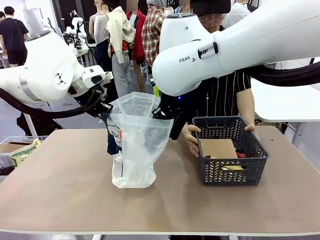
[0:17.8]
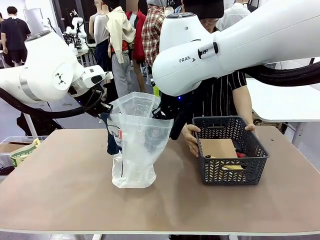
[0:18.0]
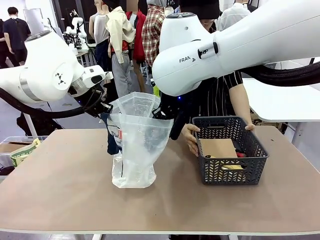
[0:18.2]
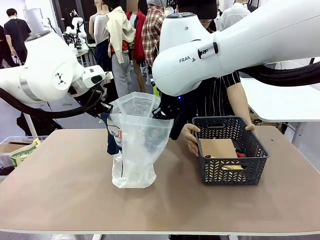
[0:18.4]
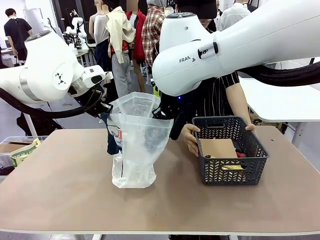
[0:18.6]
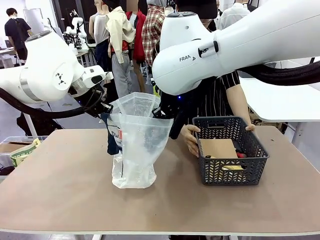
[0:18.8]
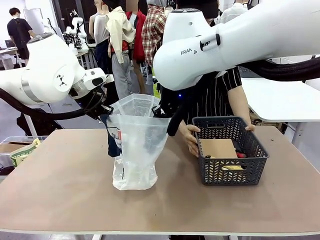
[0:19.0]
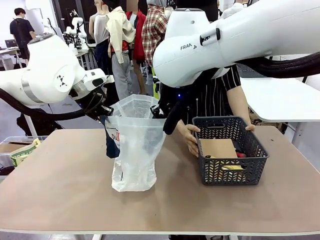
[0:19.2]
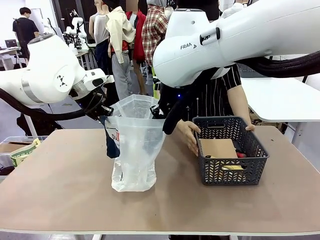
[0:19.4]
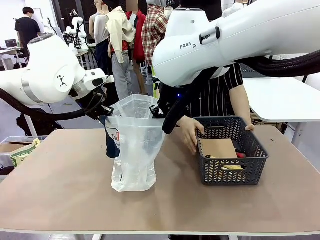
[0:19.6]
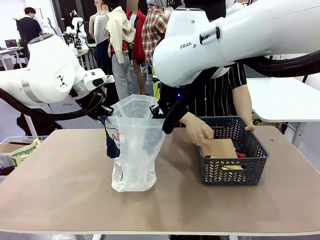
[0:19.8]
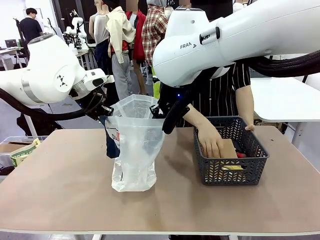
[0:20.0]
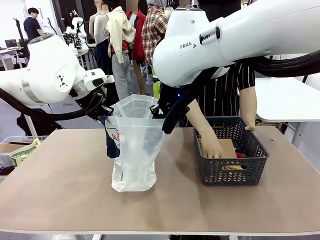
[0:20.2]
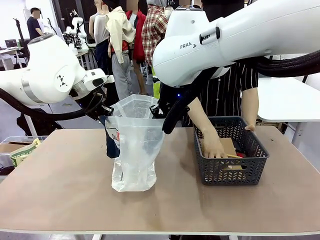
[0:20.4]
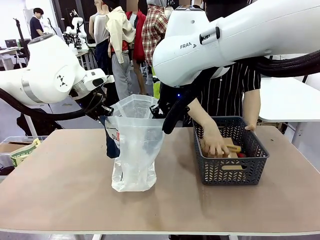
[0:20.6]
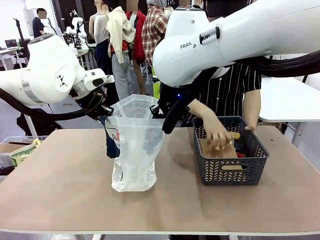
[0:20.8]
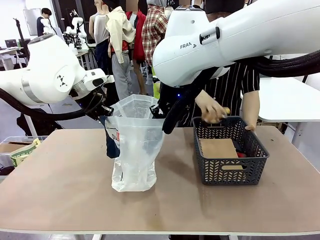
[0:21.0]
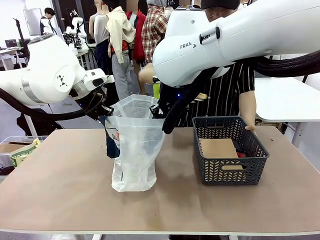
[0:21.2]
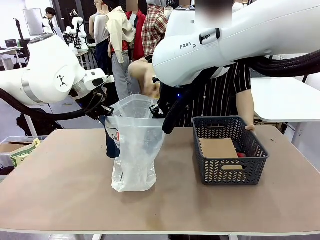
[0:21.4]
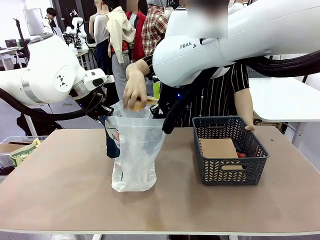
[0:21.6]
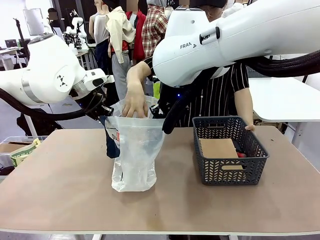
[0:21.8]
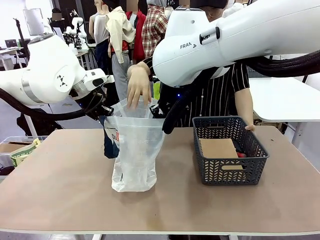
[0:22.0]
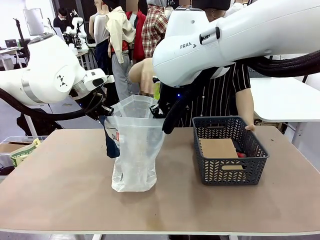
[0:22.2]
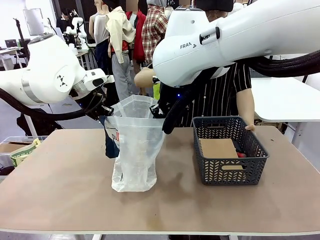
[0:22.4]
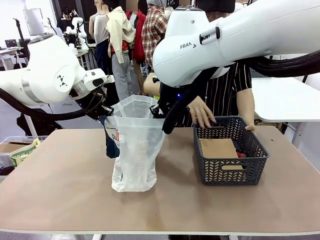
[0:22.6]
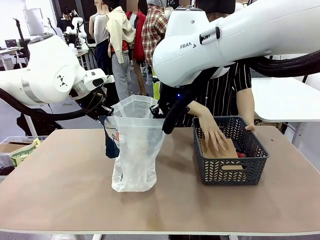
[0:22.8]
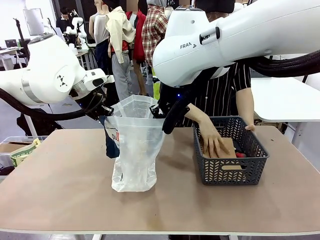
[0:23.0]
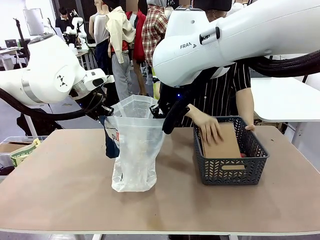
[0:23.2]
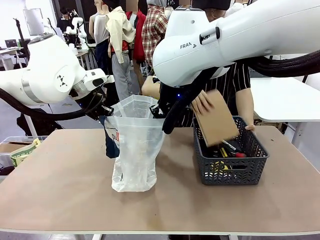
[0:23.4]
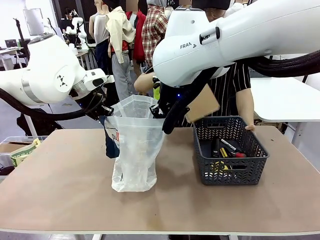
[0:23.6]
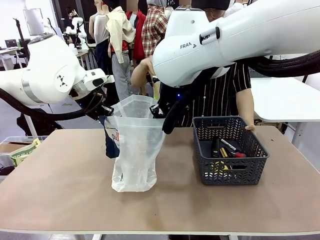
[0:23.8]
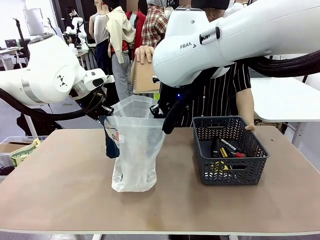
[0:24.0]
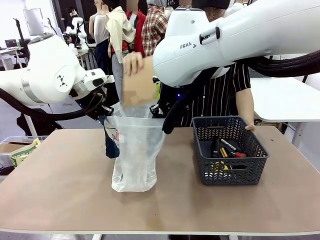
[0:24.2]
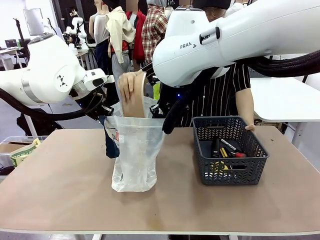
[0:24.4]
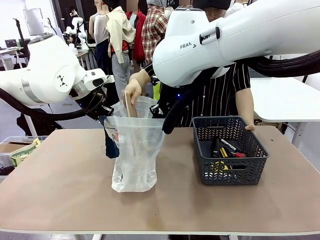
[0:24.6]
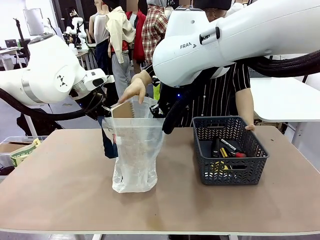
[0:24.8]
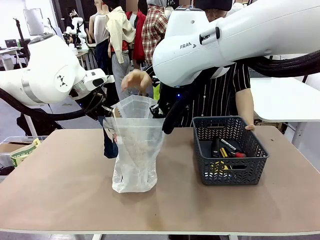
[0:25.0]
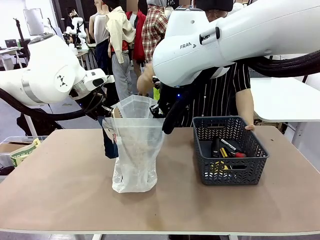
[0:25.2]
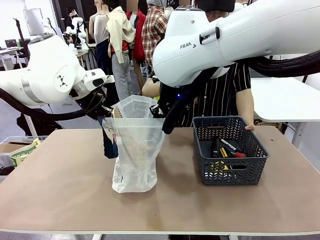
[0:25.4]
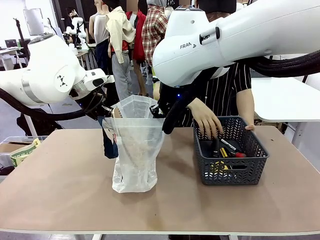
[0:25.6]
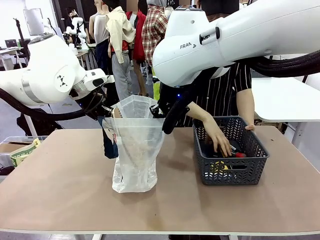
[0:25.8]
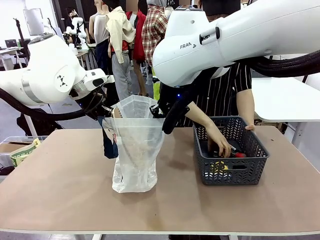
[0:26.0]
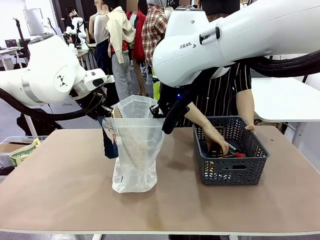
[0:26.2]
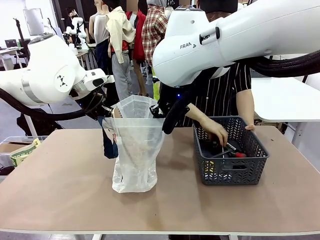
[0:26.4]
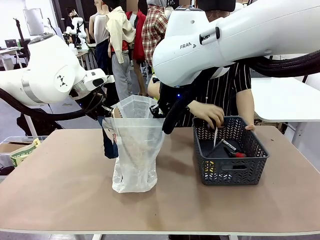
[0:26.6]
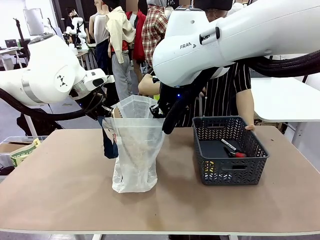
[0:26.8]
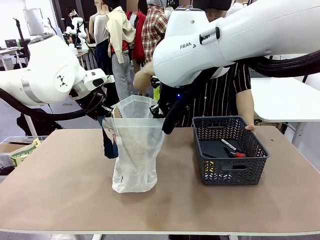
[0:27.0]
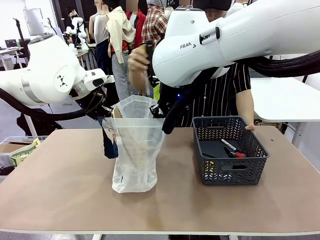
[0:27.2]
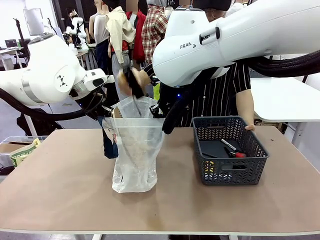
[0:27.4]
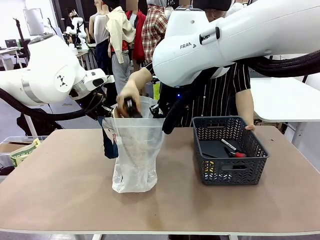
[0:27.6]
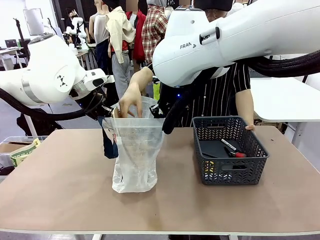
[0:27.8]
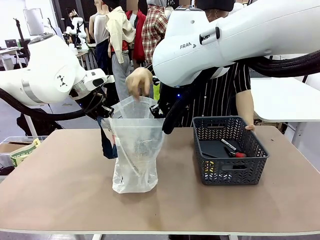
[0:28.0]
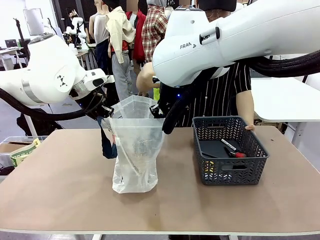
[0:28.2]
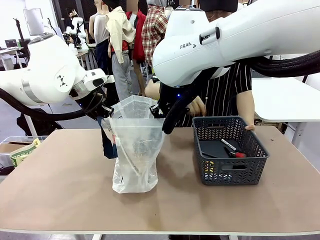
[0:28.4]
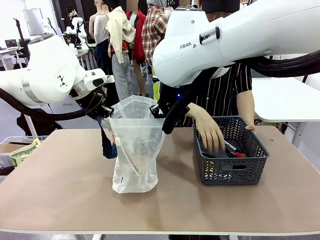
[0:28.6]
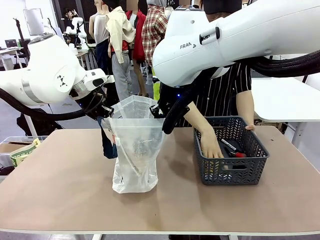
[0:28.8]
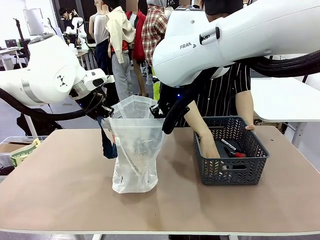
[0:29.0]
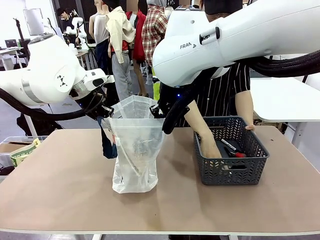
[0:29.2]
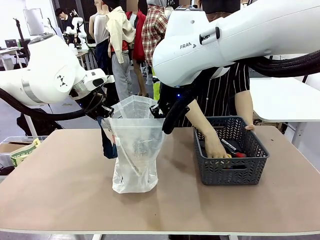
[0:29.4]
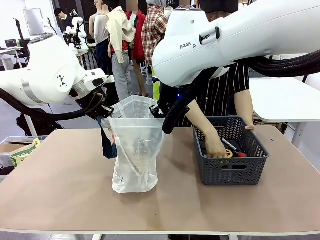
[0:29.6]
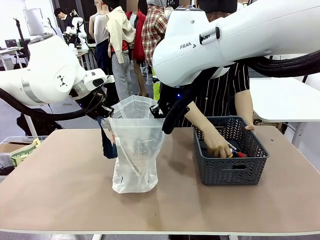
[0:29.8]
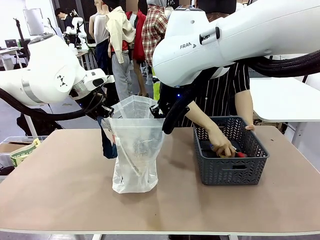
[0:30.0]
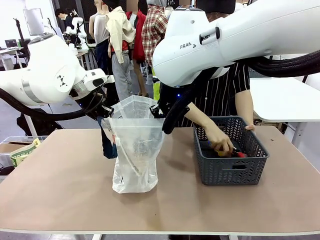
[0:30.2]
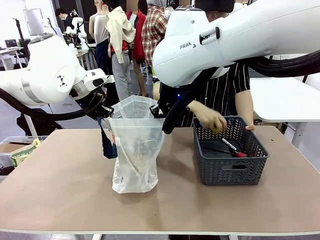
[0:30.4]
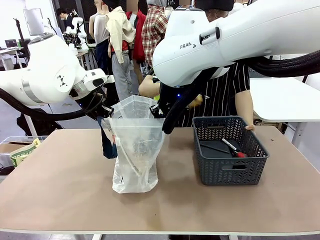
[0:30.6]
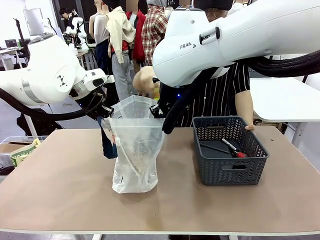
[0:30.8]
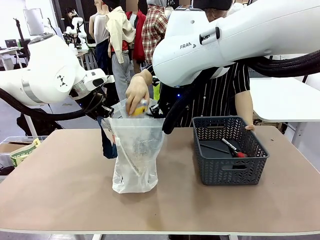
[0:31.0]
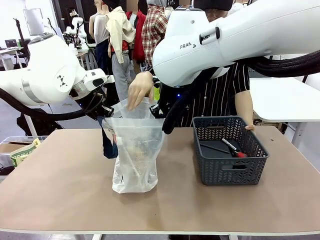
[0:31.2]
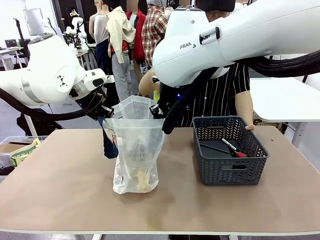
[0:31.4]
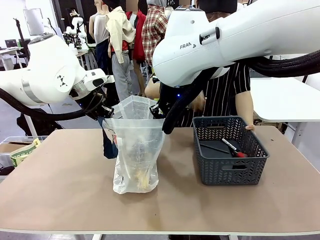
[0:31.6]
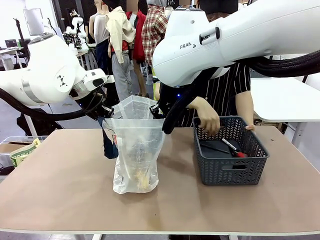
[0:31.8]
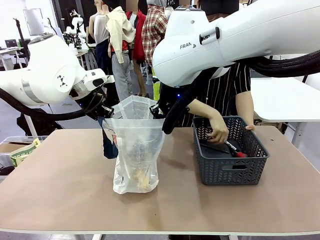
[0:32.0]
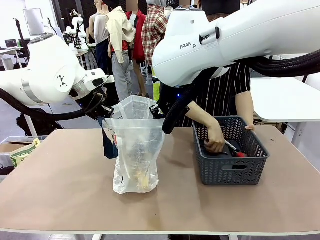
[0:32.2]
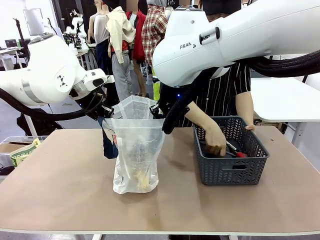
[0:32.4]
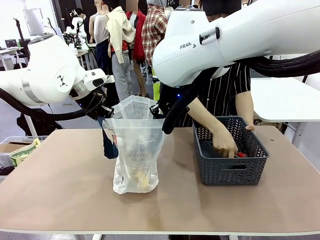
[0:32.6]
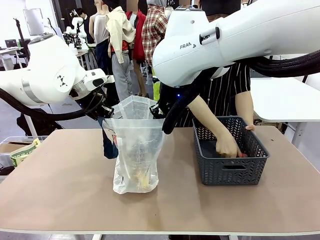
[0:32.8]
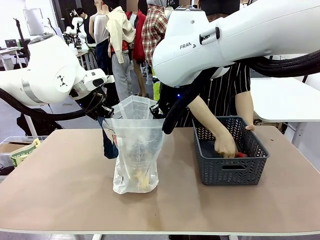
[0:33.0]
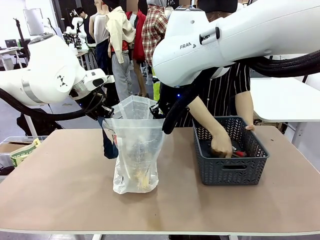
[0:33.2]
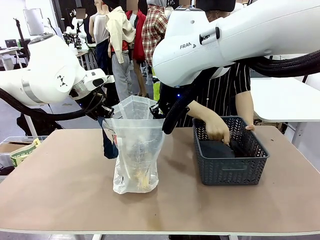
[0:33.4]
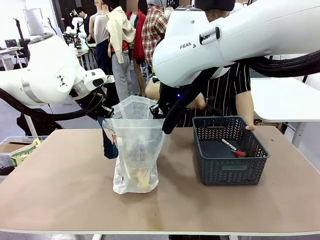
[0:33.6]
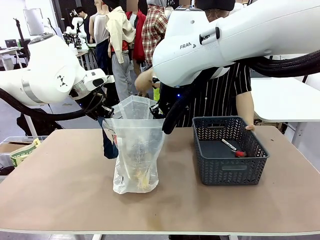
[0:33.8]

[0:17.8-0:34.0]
Task: Transfer purchased items from the store into the shopping bag.
Robot: Move the Reusable shopping bag to the right side of the table.
Person: Pick up the basket with the items out and place it on the right side of the human table.
